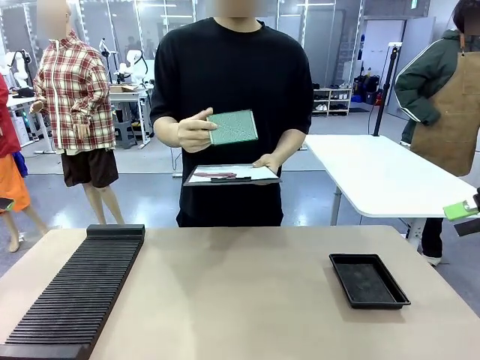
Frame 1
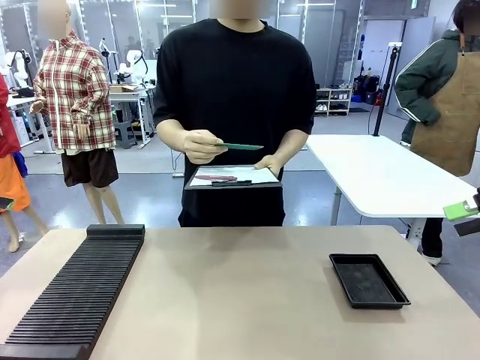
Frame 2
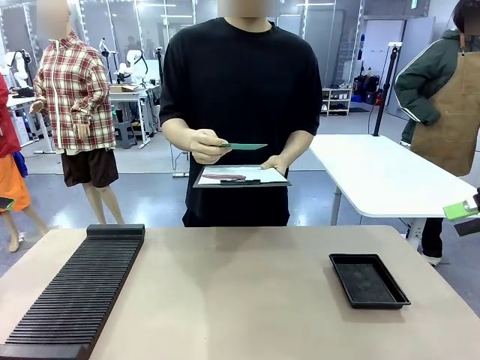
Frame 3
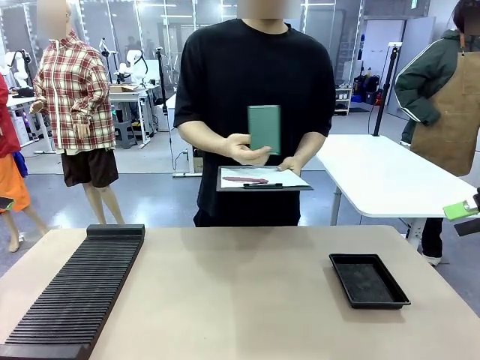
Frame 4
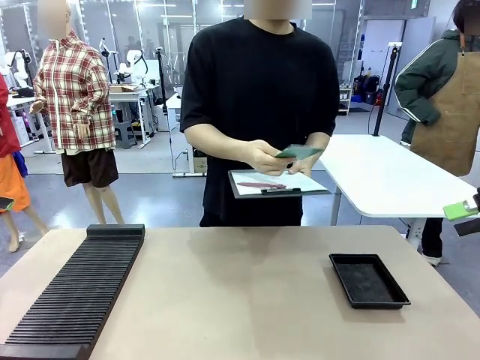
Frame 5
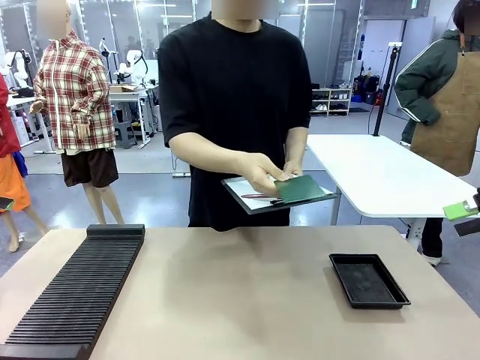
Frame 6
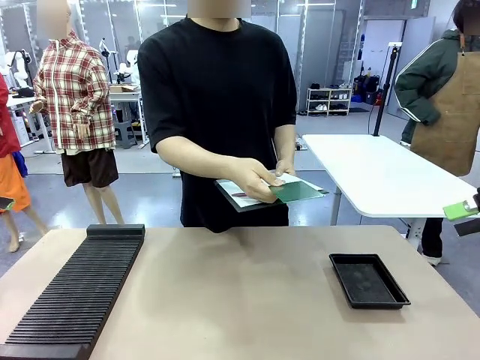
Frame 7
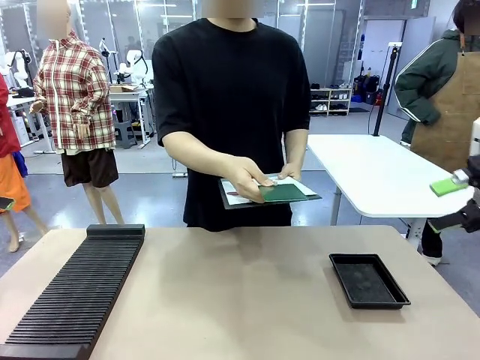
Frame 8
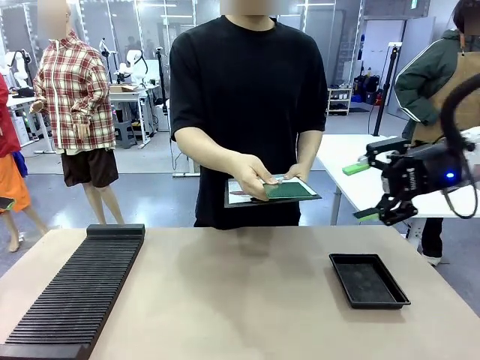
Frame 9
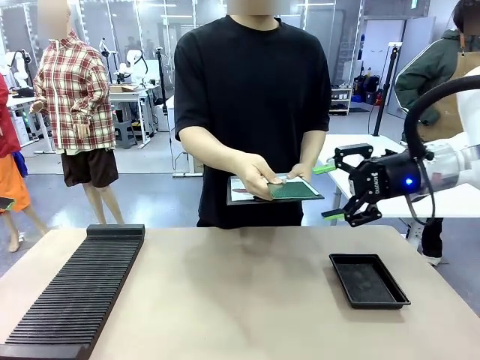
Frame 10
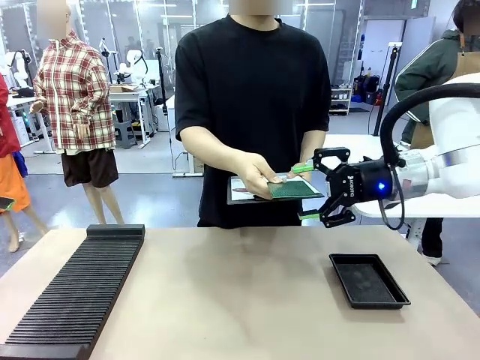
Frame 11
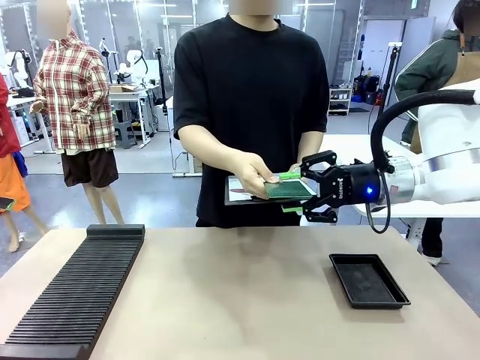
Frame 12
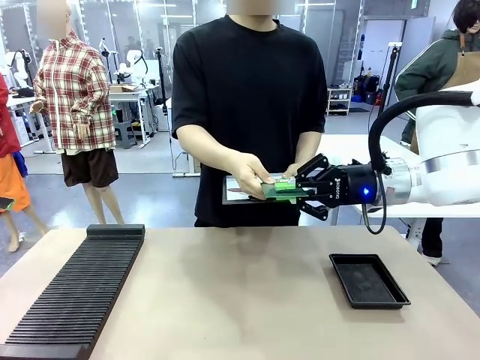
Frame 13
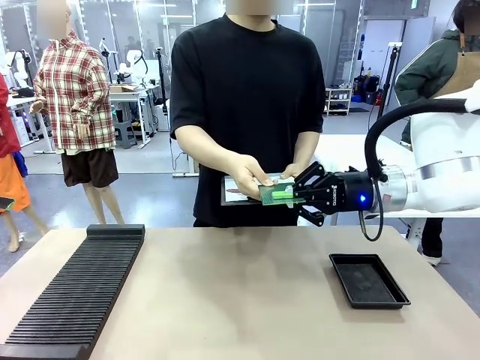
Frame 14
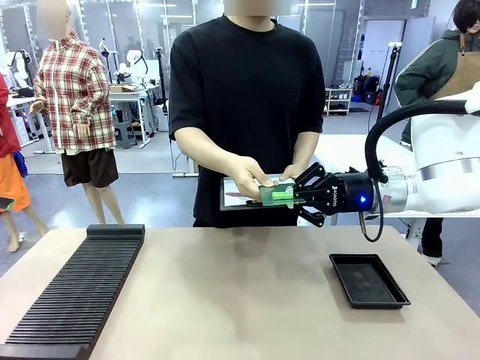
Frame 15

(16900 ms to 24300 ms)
Task: Inspect the PCB.
Robot: Pick up the Blank PCB that the human is holding.
Person: Release the PCB you were holding.

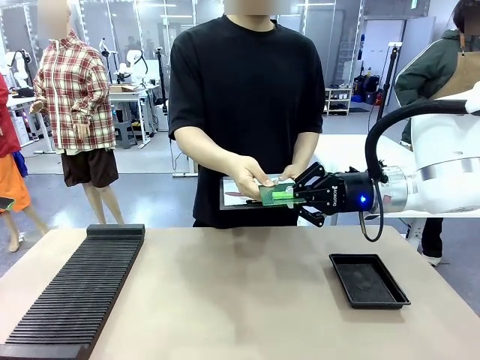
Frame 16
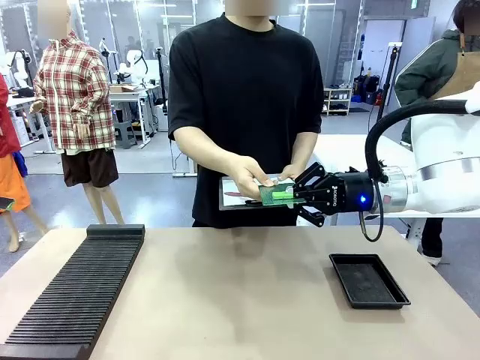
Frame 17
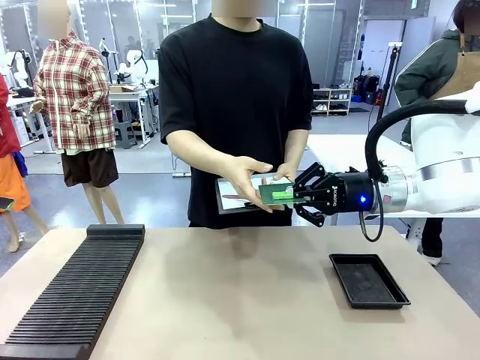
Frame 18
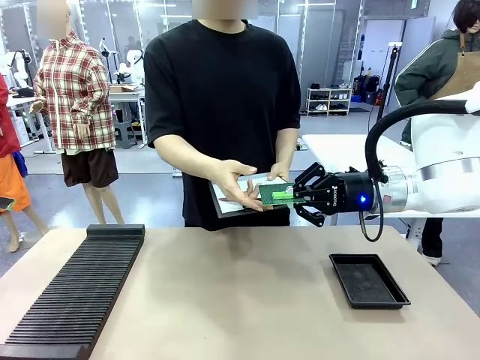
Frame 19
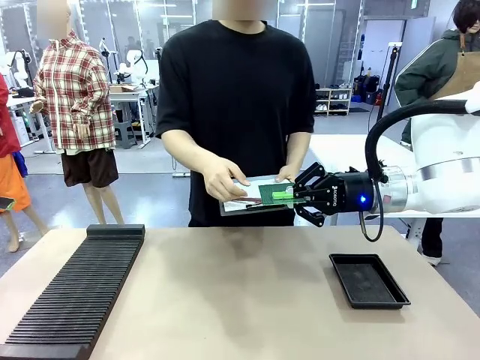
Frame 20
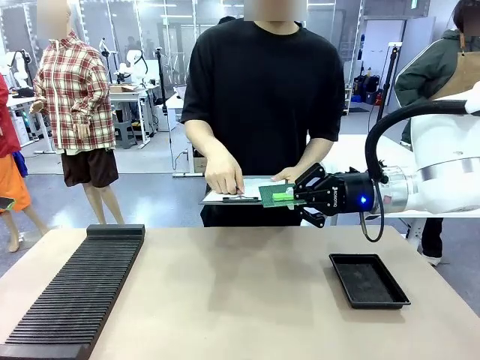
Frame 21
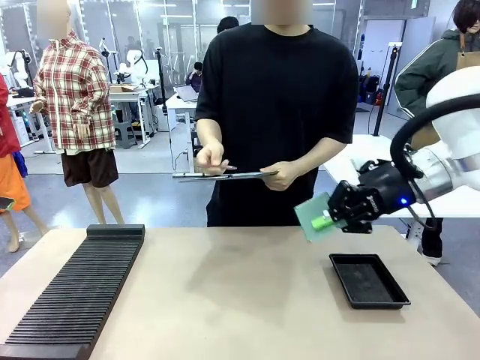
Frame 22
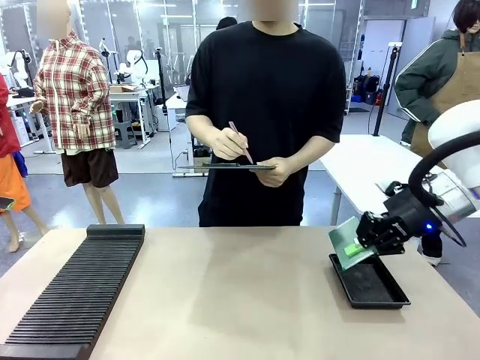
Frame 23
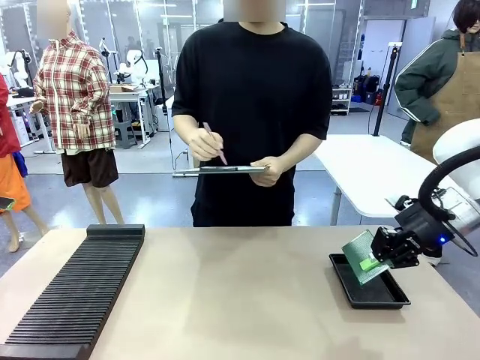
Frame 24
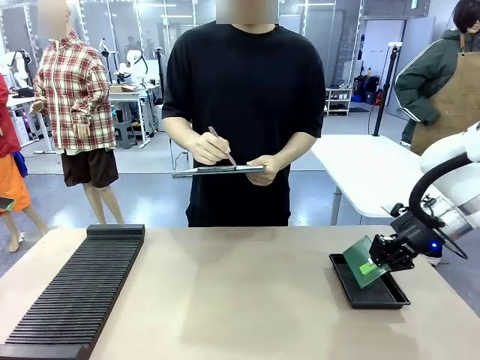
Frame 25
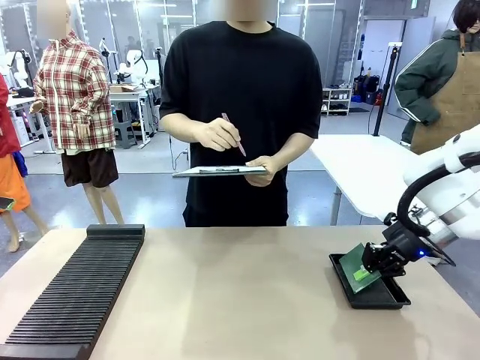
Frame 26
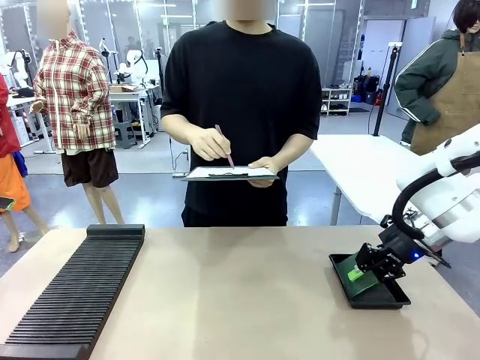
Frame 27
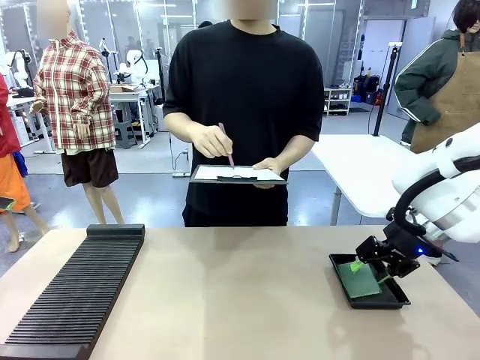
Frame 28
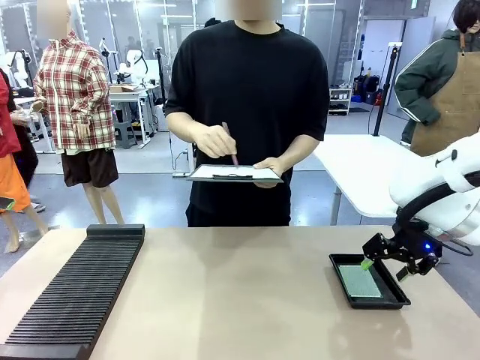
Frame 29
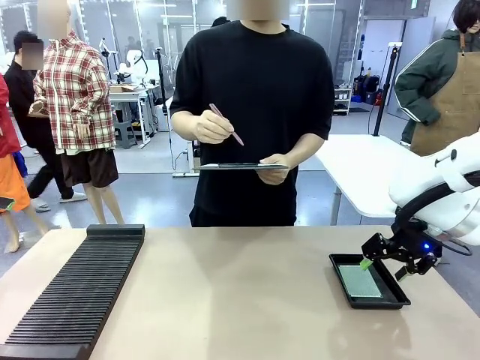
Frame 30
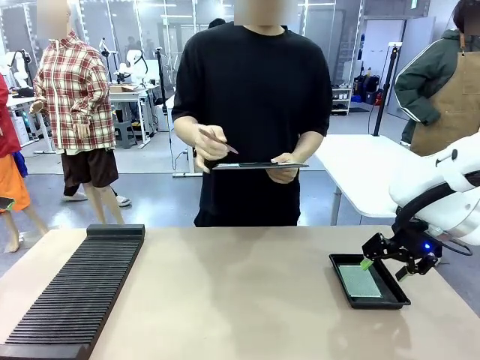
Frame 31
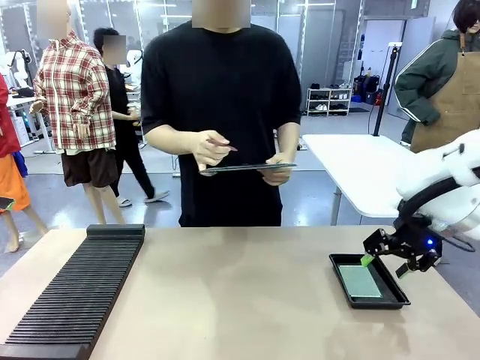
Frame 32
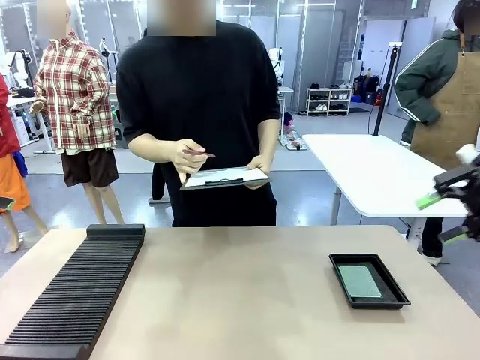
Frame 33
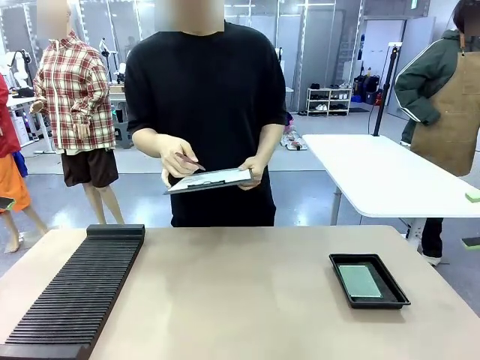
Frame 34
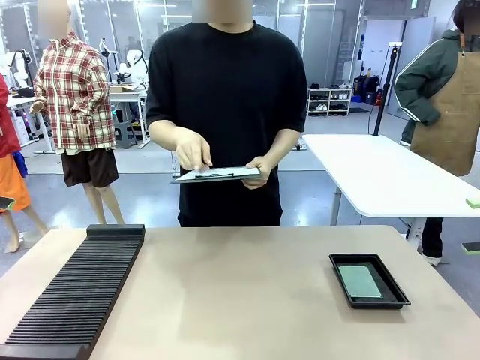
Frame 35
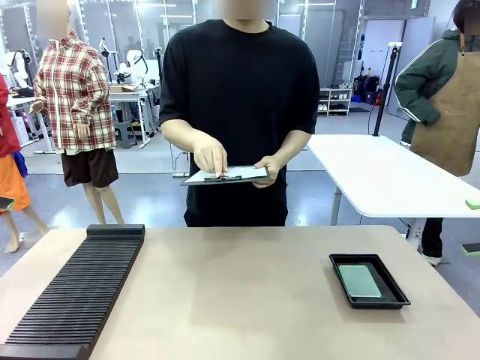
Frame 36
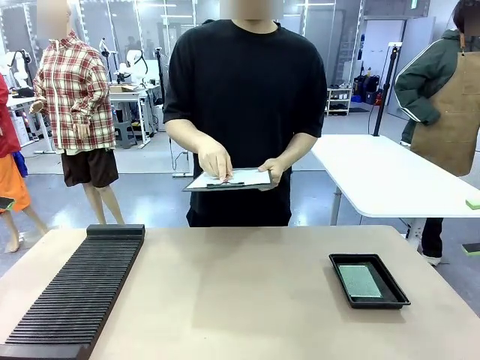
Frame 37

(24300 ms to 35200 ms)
Robot: Place the Blank PCB in the ESD tray.
Person: Record the PCB status on the paper.

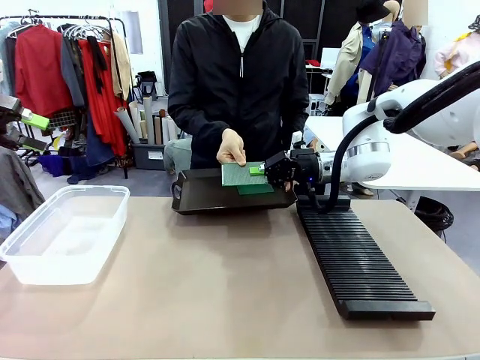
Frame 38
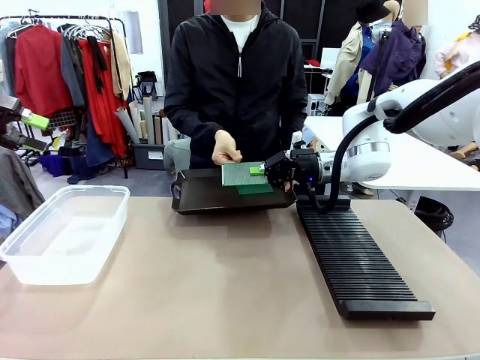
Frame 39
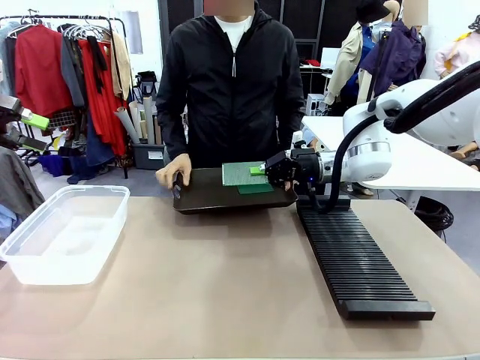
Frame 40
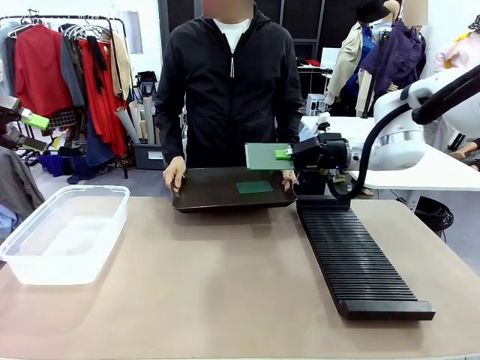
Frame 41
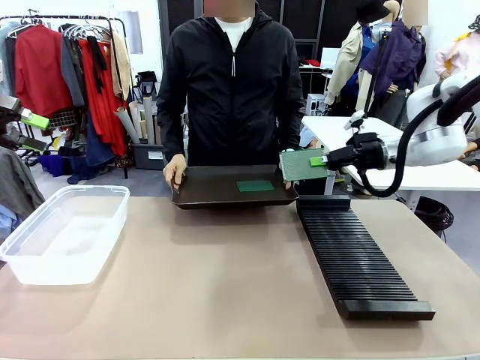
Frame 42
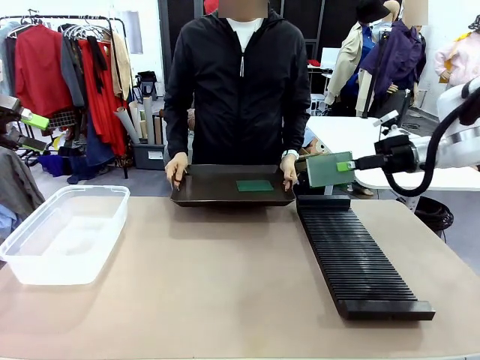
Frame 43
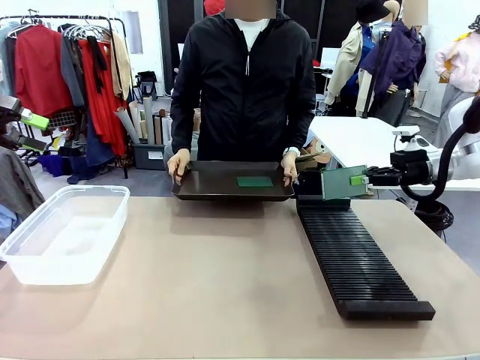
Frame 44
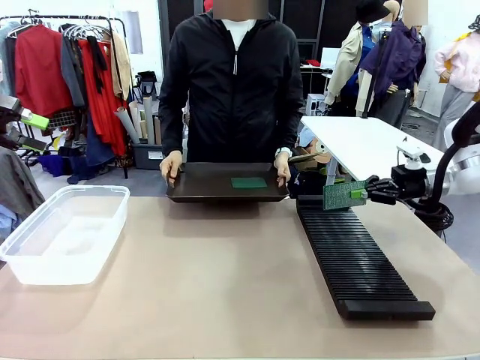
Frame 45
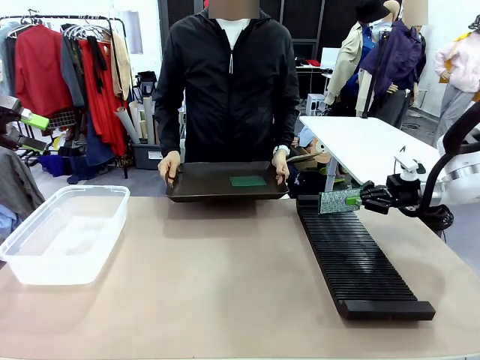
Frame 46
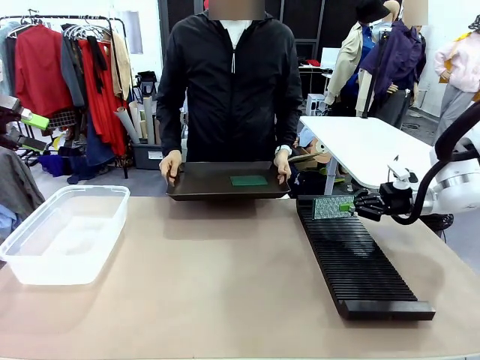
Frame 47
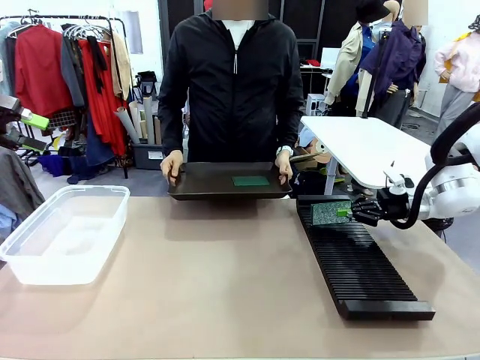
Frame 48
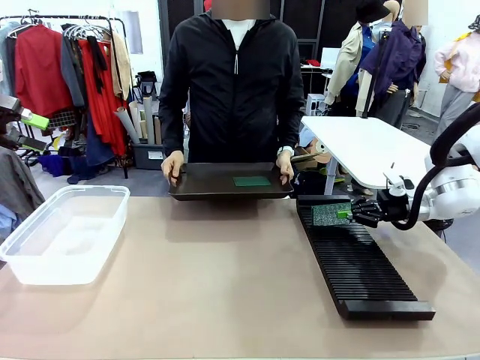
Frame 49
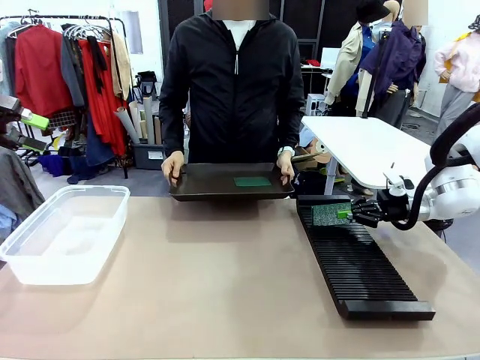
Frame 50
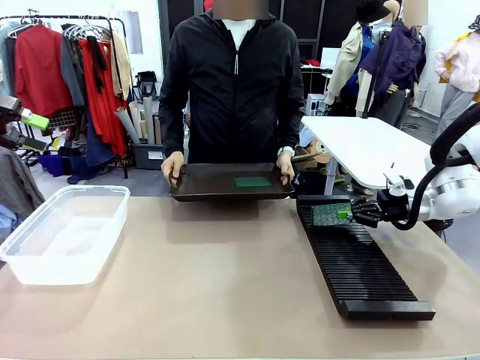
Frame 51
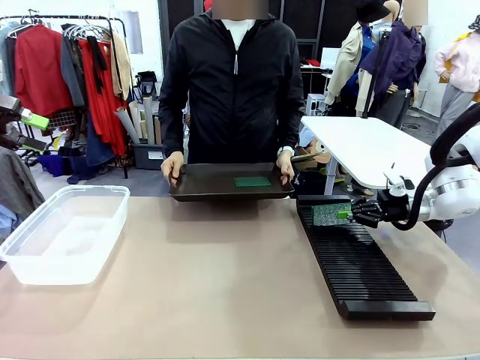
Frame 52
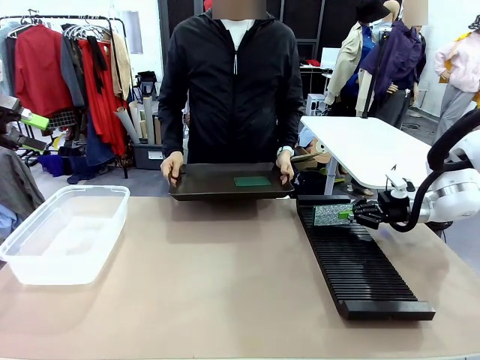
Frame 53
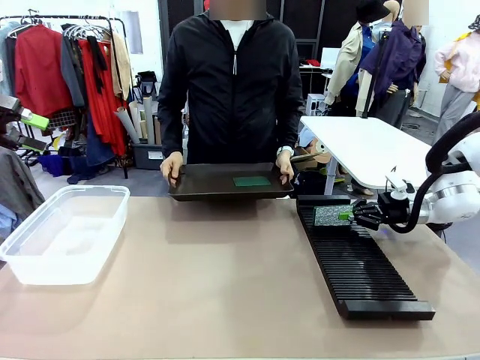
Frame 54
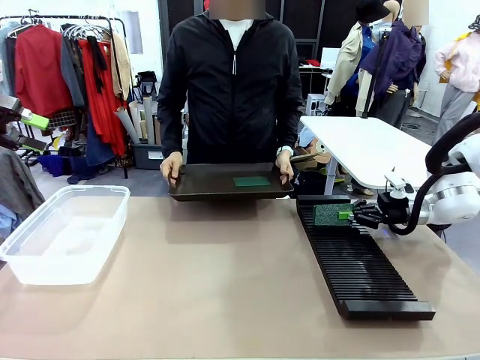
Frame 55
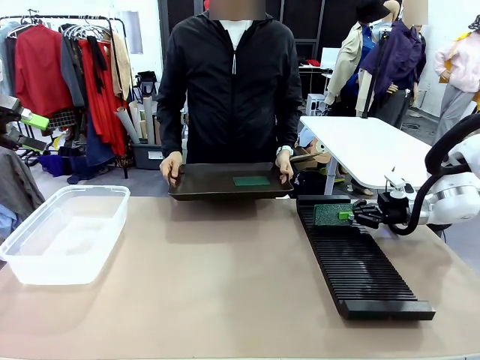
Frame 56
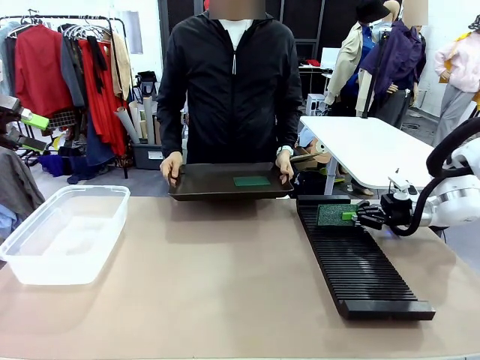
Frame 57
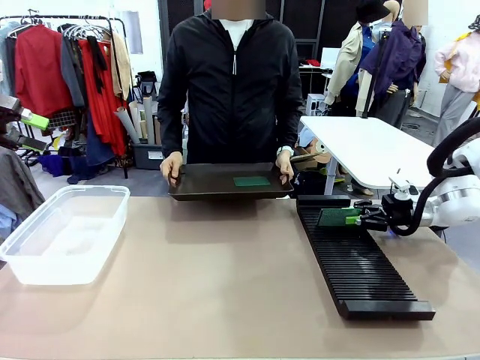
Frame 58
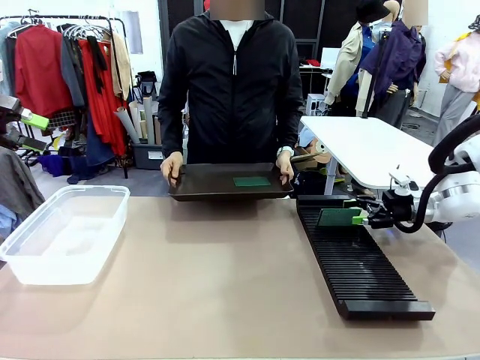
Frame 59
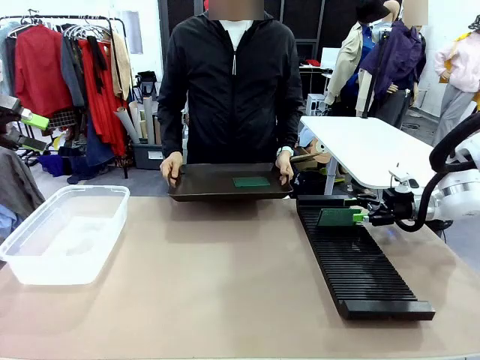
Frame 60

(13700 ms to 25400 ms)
Task: Sort PCBs into racks and boxes based on the side picked up.
Robot: If the short side of the Blank PCB is picked up, insert it into the PCB Rack ; if the long side is picked up, place it in the Organizing box.
Person: Pick one PCB from the tray and present it to the robot.
